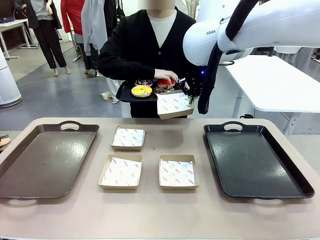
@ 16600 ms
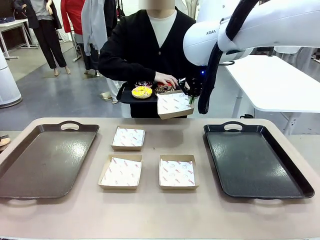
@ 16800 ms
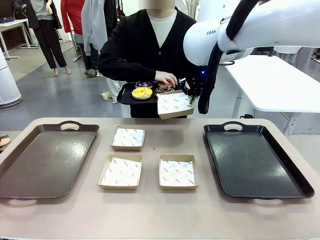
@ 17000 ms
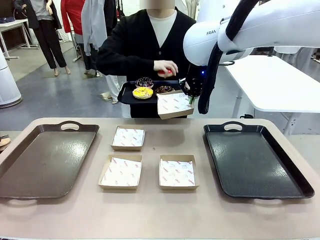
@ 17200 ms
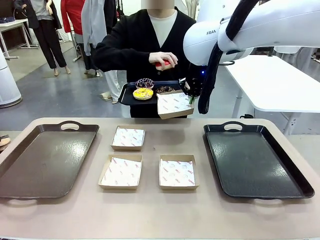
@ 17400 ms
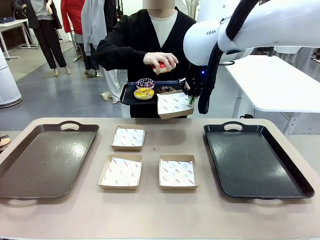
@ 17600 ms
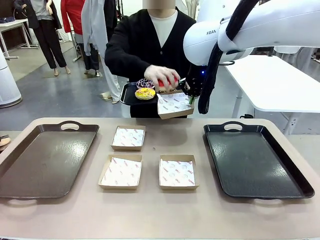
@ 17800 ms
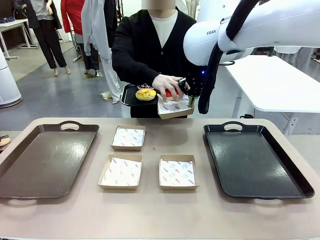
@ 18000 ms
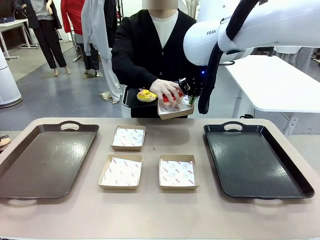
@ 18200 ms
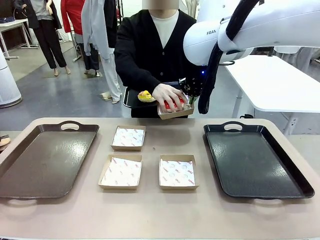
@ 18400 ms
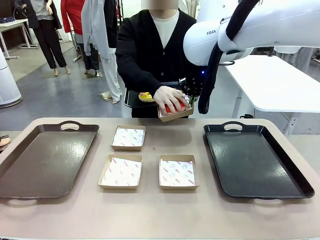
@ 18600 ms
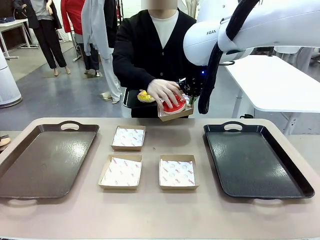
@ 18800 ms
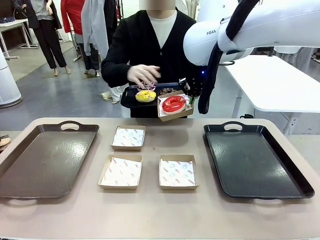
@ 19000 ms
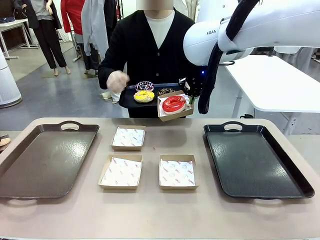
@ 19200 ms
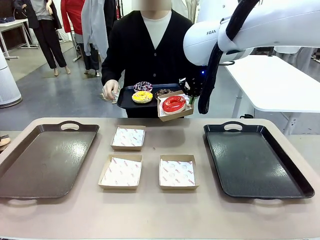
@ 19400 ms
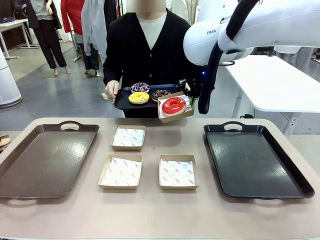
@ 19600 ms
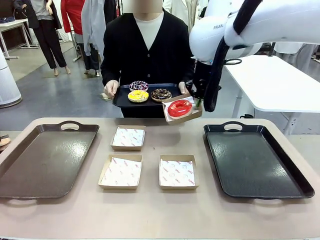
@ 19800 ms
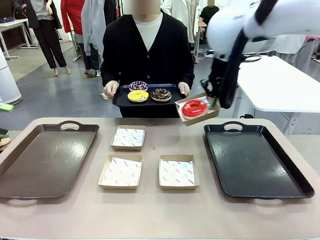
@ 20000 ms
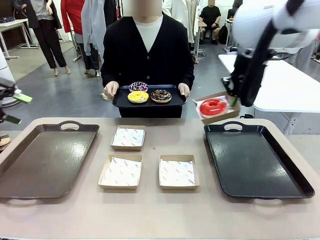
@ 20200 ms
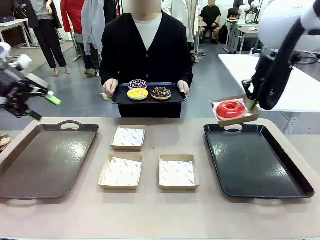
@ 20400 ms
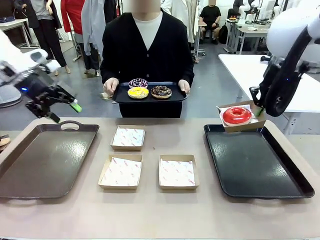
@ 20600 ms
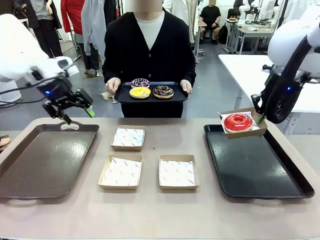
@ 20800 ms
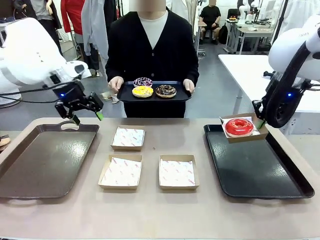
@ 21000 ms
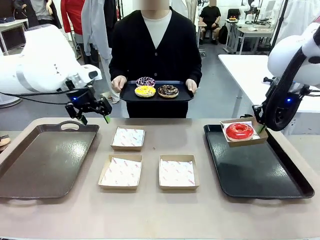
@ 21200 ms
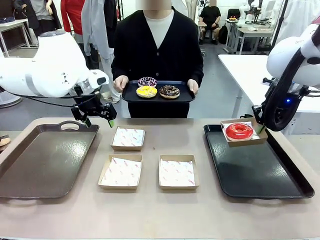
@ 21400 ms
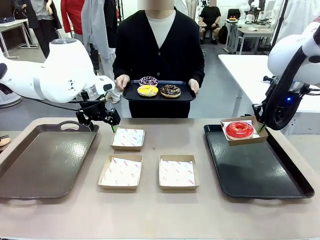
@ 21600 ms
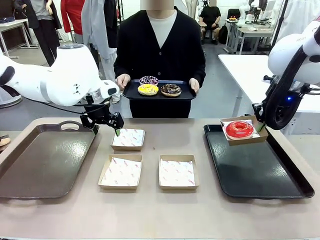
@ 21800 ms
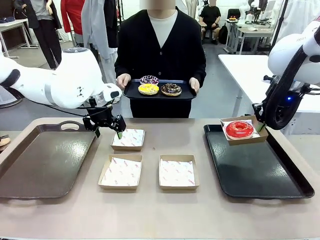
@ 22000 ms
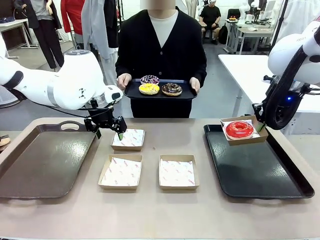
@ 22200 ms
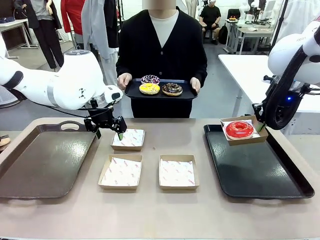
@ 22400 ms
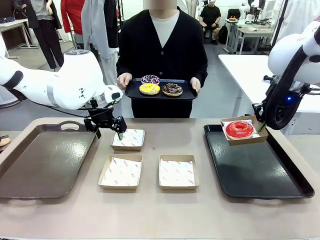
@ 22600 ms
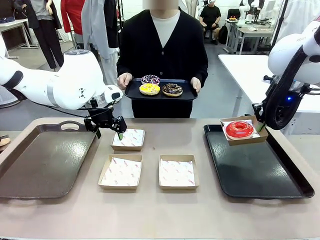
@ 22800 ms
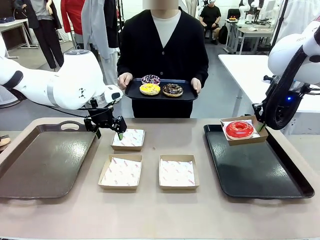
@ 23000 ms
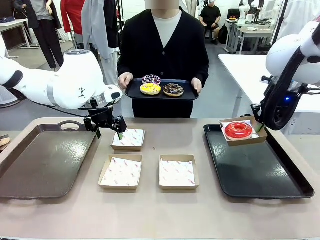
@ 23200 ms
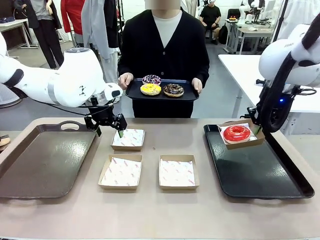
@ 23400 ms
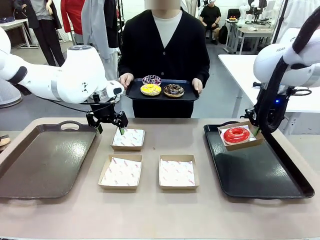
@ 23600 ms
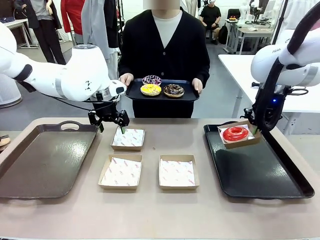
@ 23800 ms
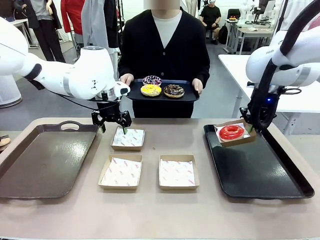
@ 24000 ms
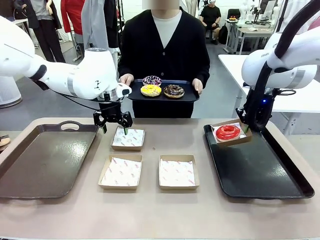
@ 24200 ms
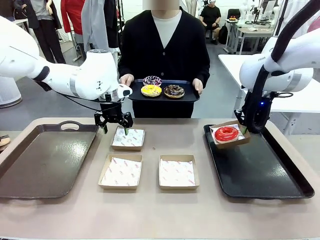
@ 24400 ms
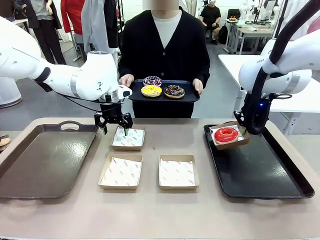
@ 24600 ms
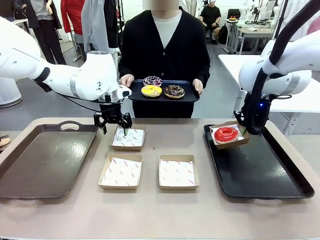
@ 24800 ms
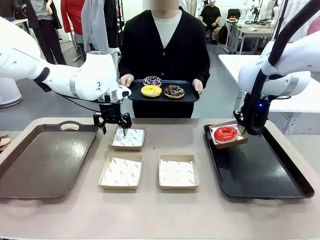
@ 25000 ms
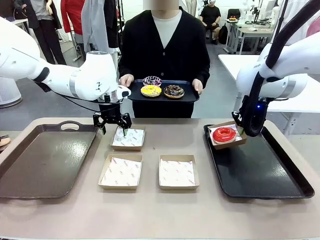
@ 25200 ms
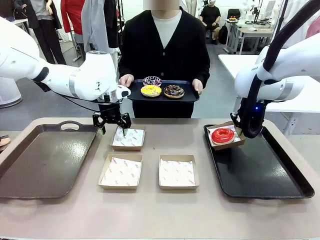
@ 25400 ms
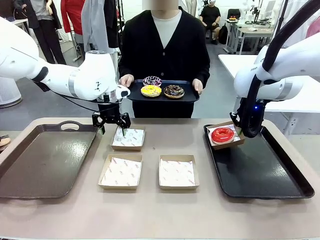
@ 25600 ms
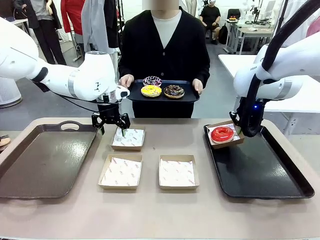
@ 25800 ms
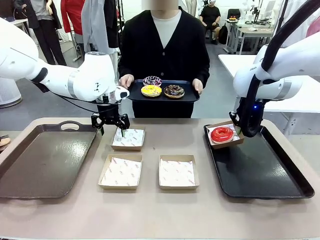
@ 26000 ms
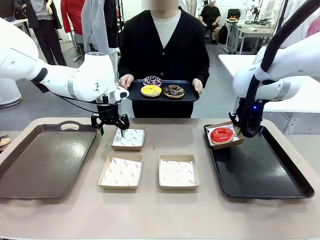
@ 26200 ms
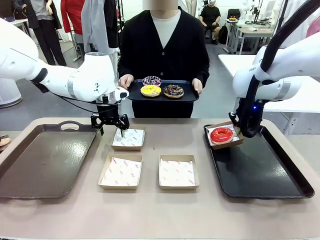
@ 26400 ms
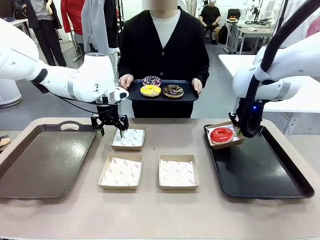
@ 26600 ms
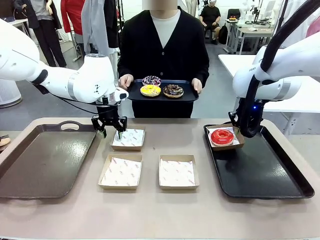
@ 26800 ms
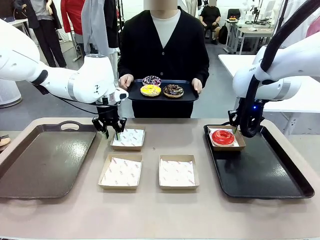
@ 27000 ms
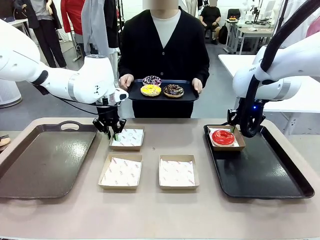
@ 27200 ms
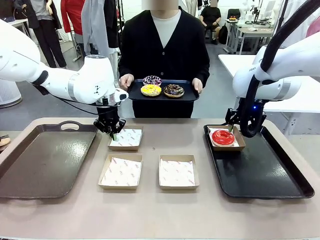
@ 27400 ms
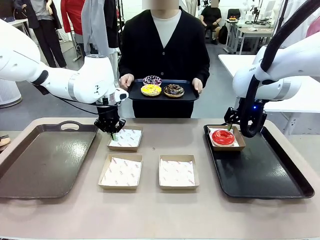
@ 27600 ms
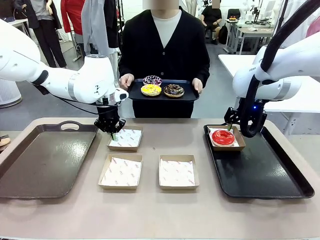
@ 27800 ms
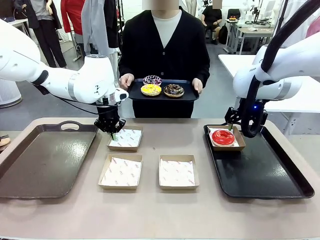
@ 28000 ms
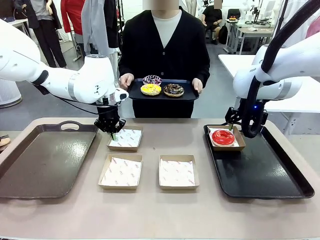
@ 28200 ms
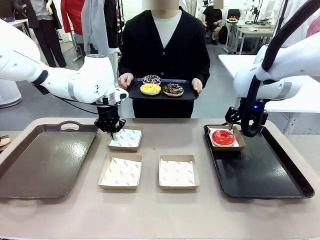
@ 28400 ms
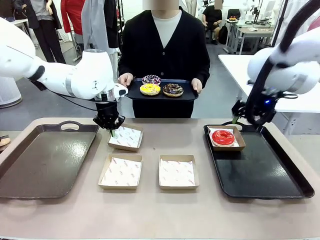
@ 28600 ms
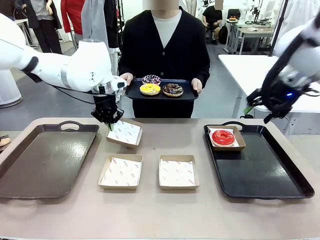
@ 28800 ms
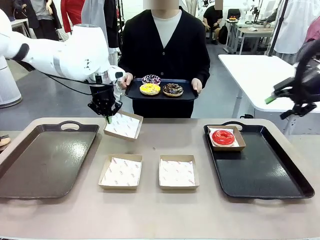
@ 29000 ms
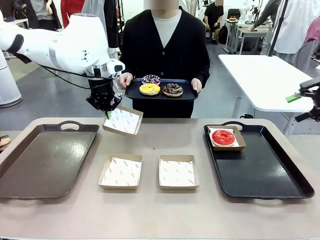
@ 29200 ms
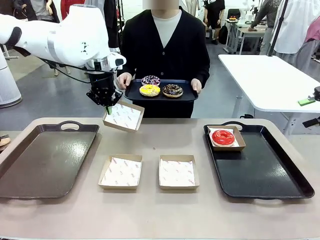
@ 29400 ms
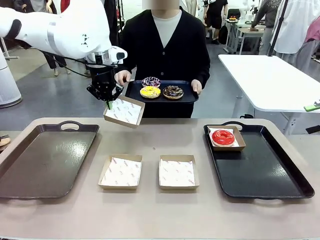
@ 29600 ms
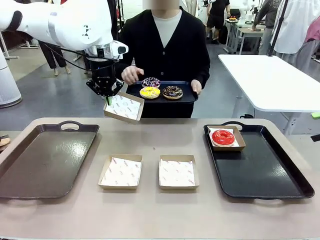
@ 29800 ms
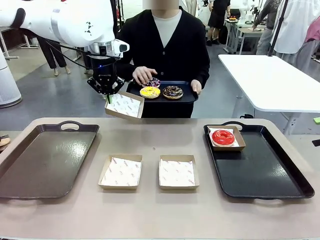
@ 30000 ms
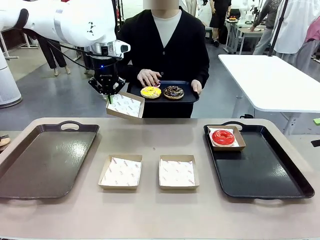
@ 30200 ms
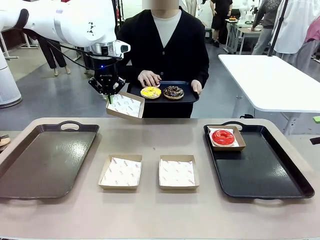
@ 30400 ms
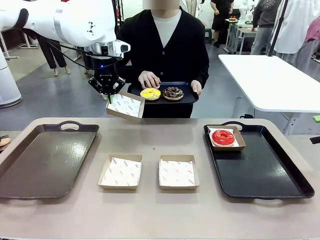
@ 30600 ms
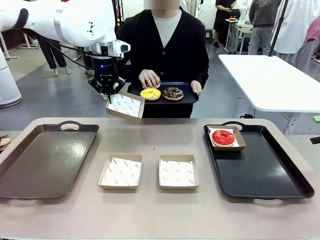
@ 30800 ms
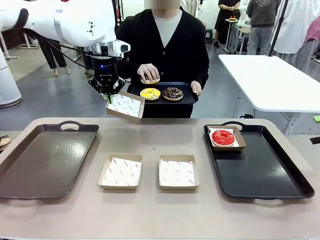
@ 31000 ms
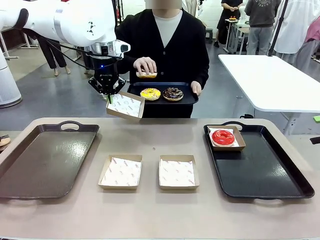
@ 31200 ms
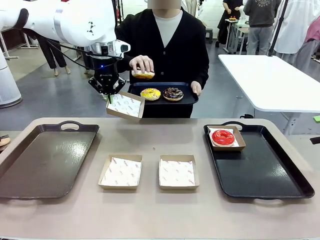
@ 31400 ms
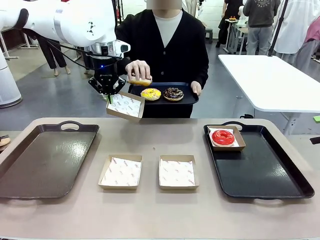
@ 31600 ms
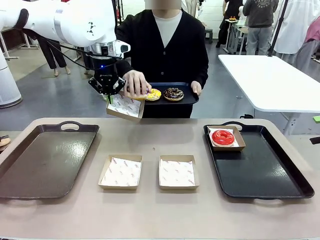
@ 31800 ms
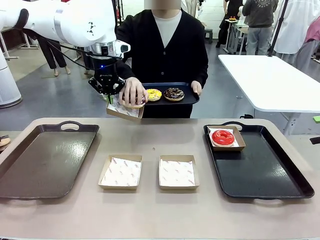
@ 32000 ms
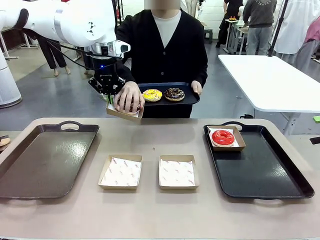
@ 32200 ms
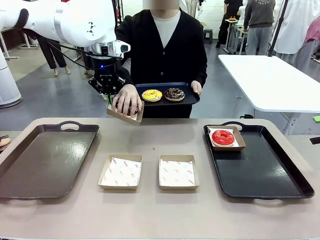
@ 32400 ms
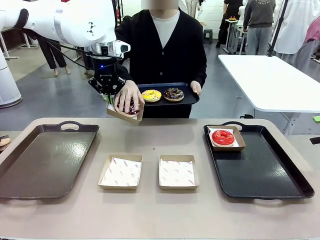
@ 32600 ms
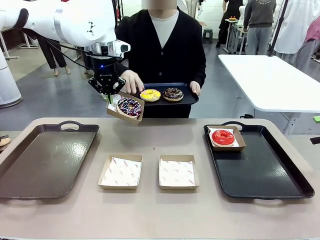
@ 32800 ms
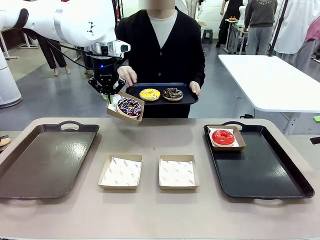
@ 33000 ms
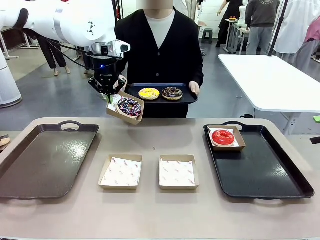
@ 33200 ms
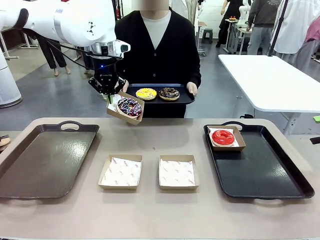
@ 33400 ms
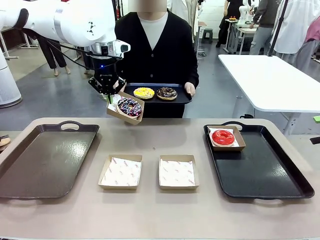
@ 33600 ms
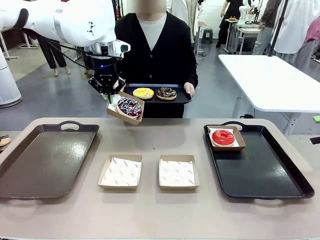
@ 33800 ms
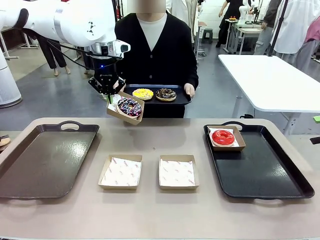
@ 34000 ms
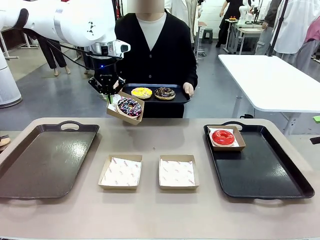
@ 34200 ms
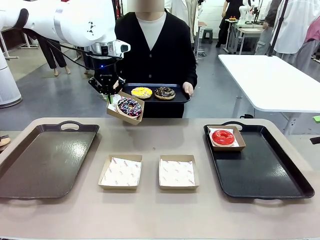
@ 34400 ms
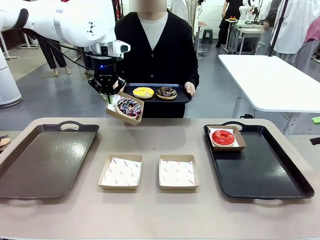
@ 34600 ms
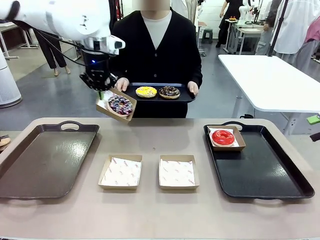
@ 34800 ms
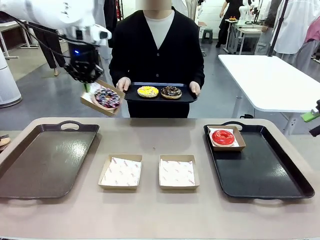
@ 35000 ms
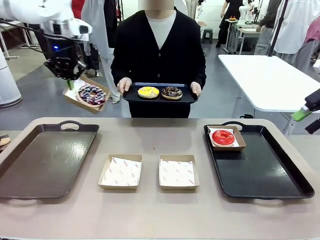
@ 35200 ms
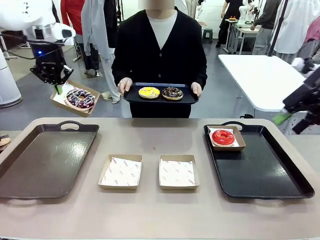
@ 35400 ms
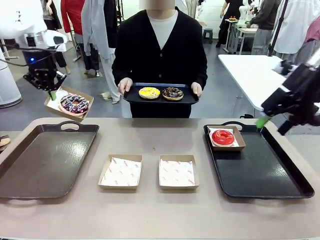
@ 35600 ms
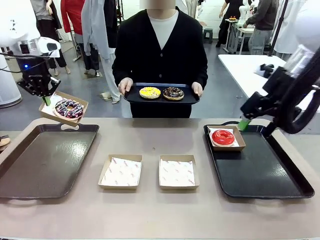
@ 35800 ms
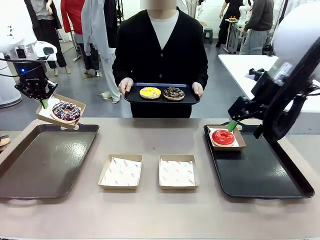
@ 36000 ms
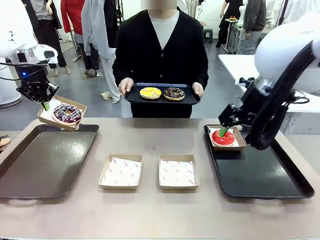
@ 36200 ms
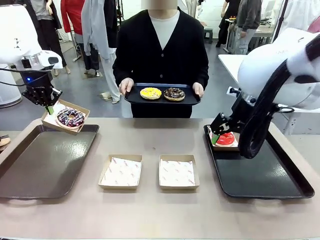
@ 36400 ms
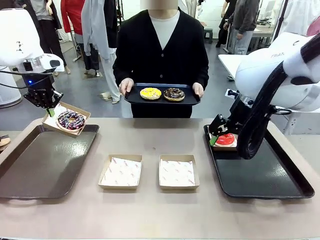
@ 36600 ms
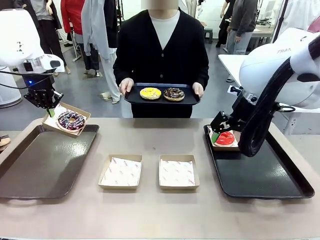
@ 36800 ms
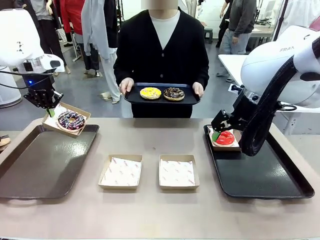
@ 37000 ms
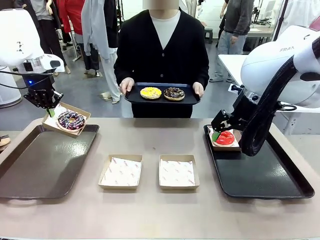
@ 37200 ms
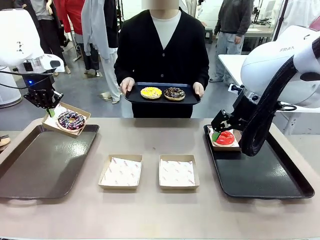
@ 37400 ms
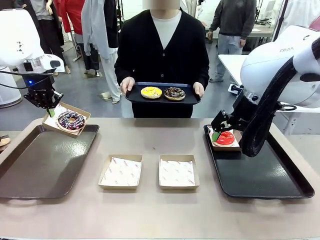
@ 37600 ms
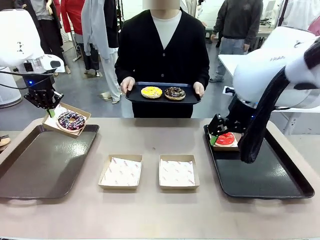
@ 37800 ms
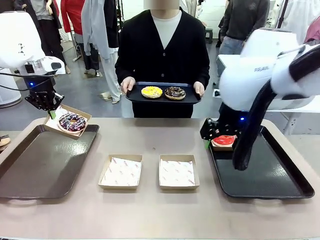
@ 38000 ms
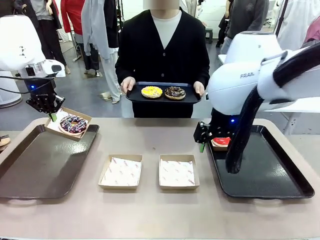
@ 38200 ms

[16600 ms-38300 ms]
Task: Individually package the donuts and arrange them on the tray.
Robot: Place the picked Paper togo box on the Handle tray while simultaneously picking up another Paper togo box from the table with the other hand.
